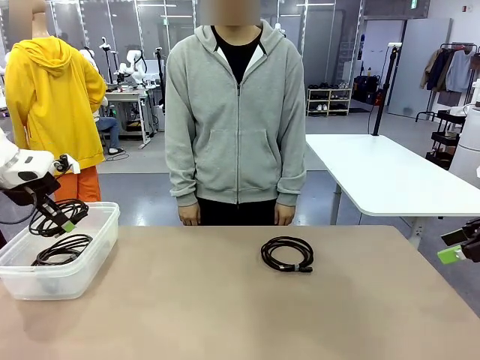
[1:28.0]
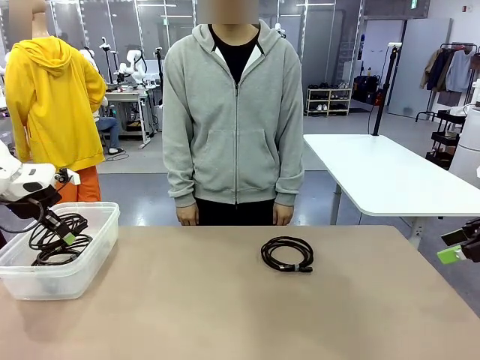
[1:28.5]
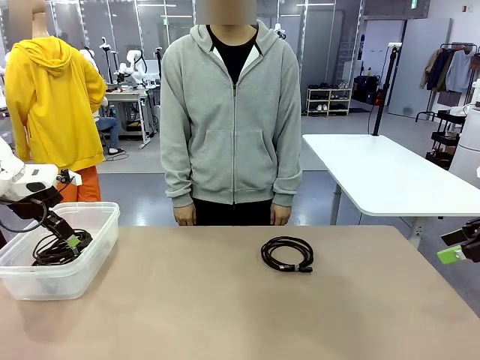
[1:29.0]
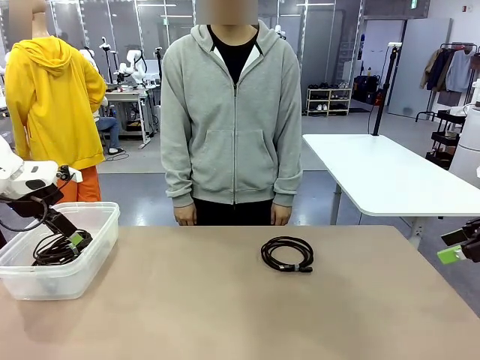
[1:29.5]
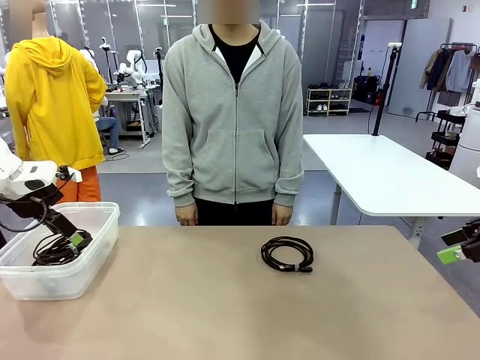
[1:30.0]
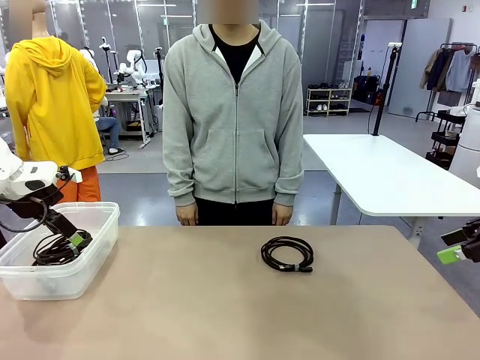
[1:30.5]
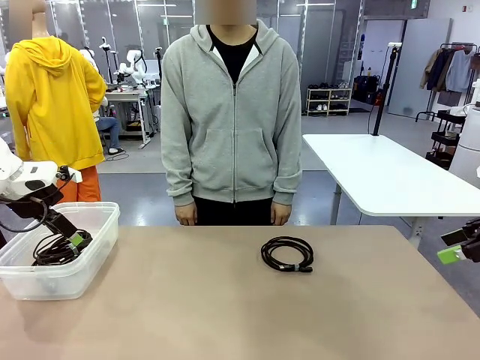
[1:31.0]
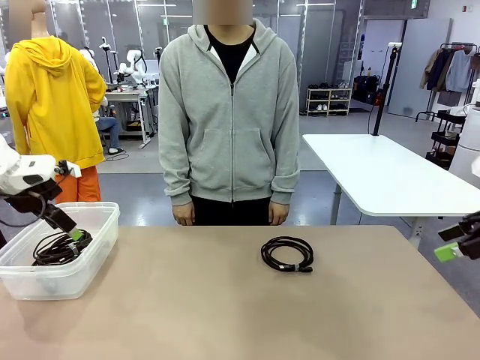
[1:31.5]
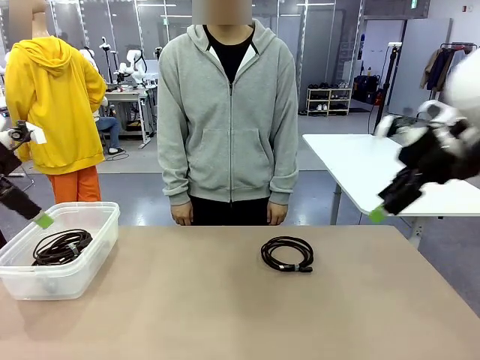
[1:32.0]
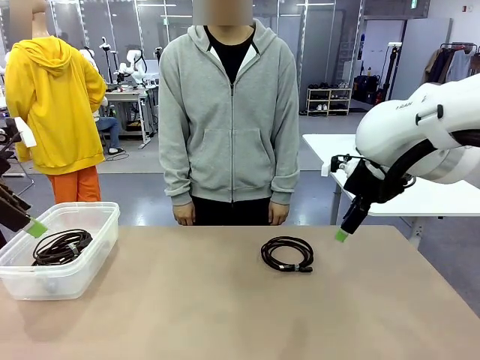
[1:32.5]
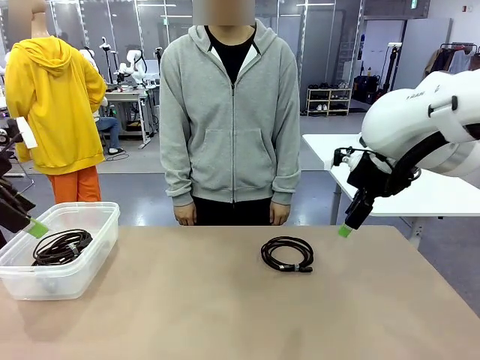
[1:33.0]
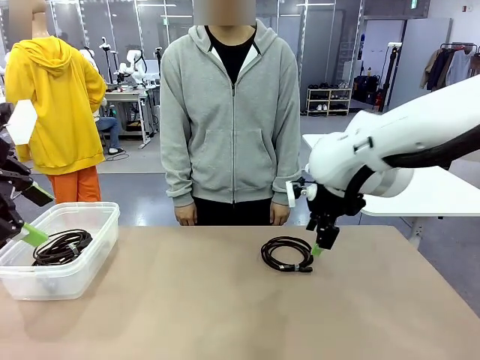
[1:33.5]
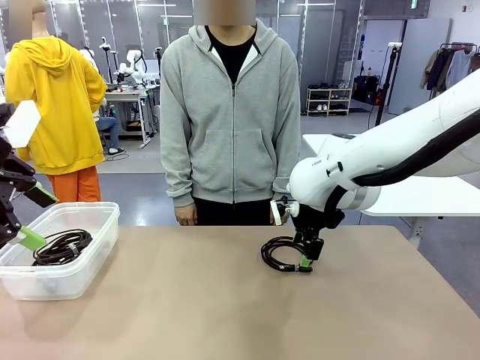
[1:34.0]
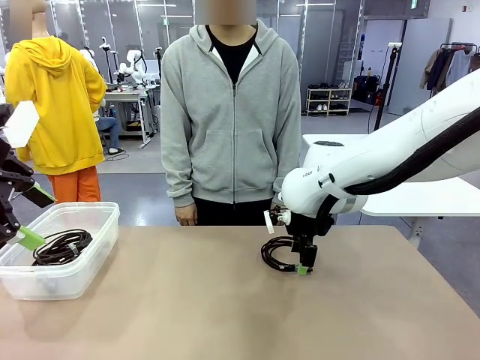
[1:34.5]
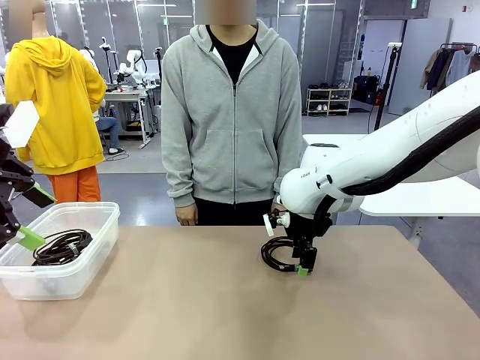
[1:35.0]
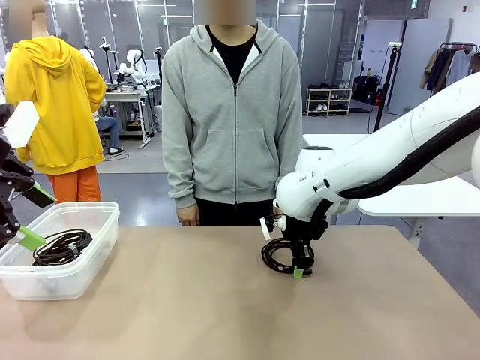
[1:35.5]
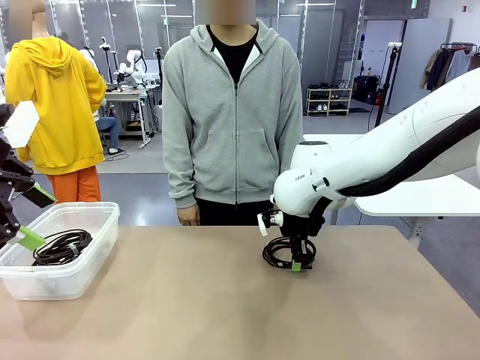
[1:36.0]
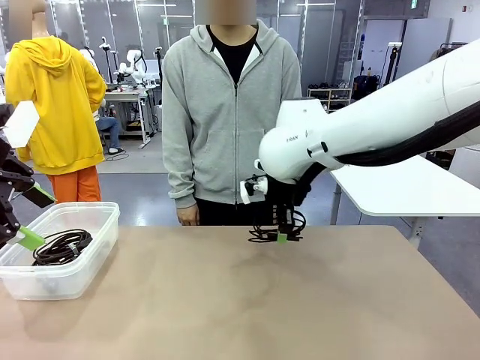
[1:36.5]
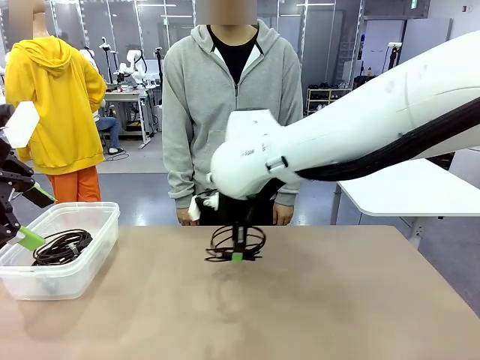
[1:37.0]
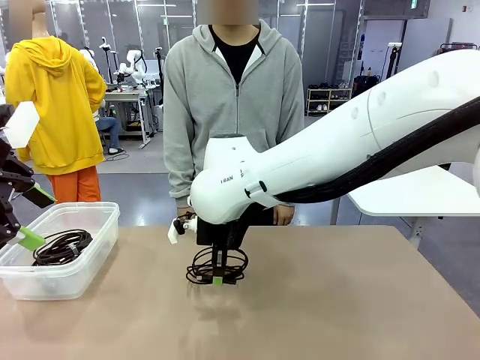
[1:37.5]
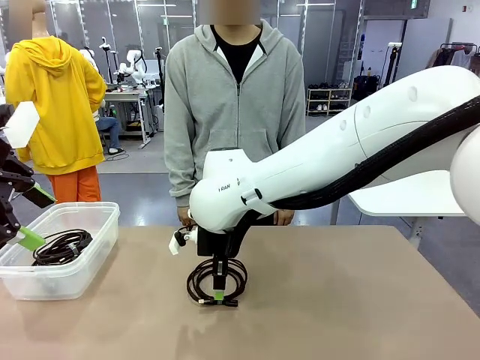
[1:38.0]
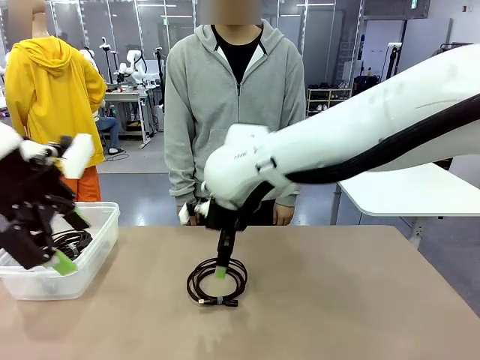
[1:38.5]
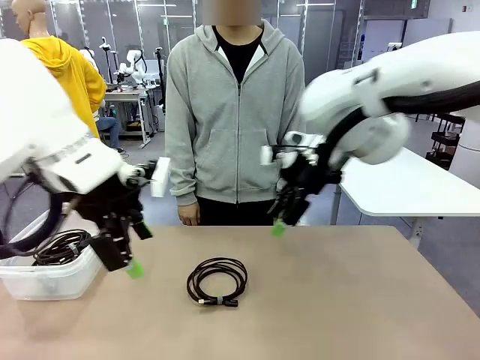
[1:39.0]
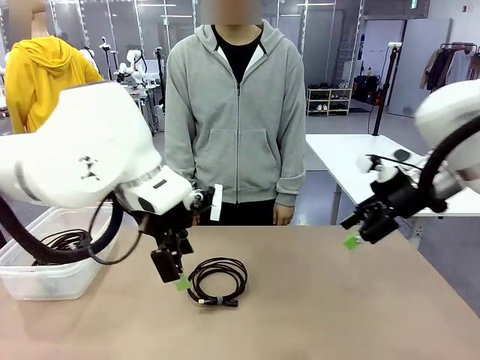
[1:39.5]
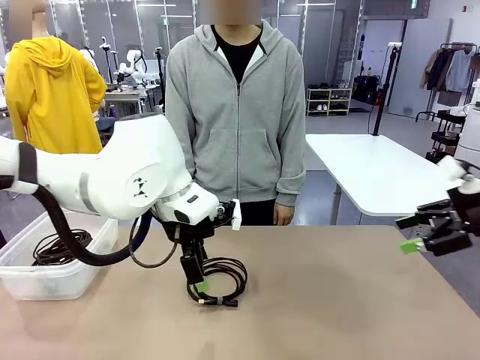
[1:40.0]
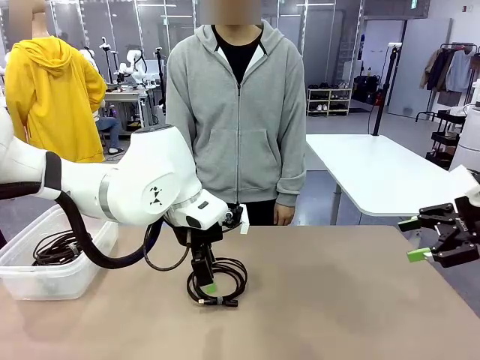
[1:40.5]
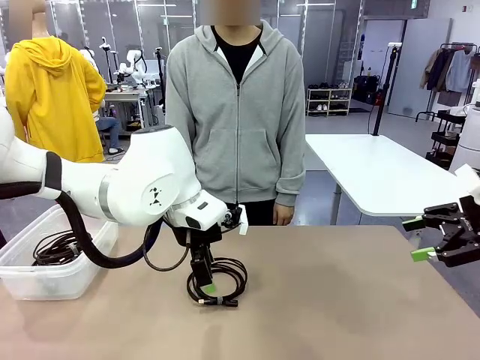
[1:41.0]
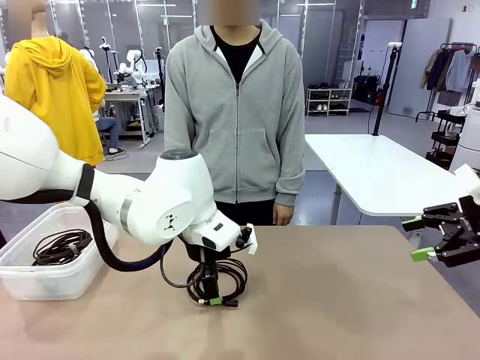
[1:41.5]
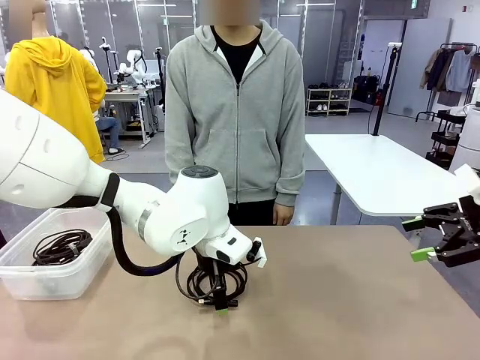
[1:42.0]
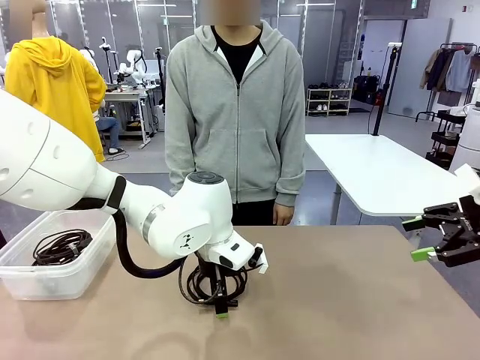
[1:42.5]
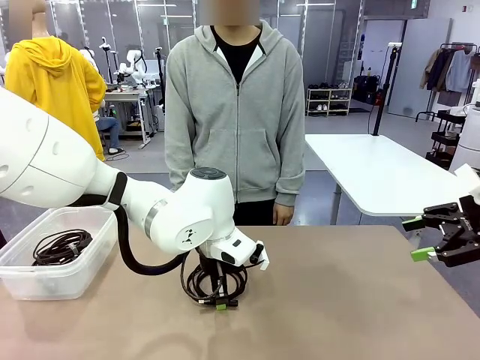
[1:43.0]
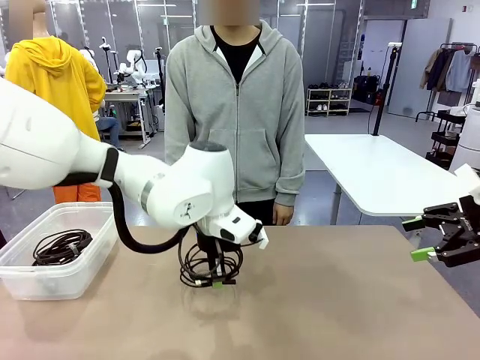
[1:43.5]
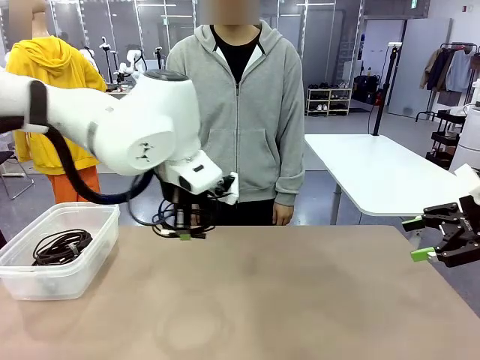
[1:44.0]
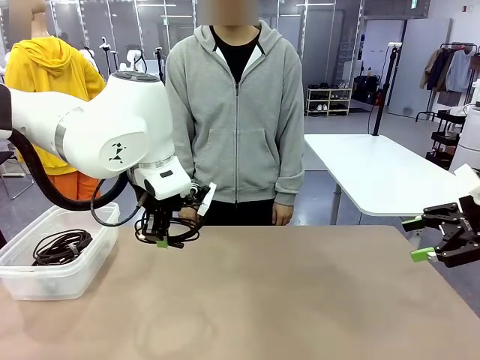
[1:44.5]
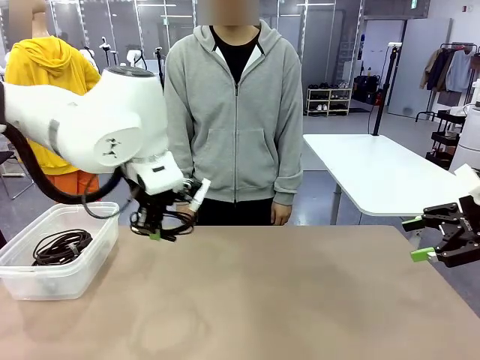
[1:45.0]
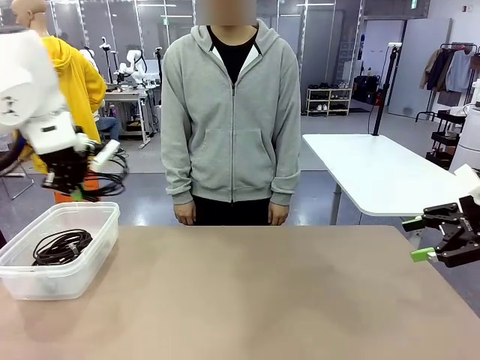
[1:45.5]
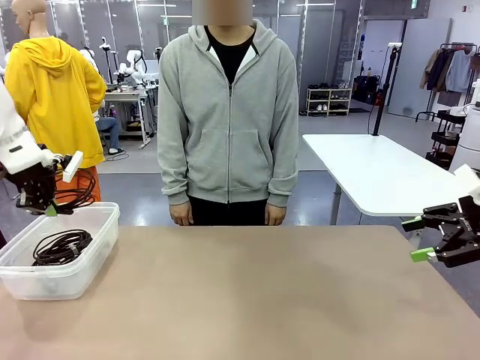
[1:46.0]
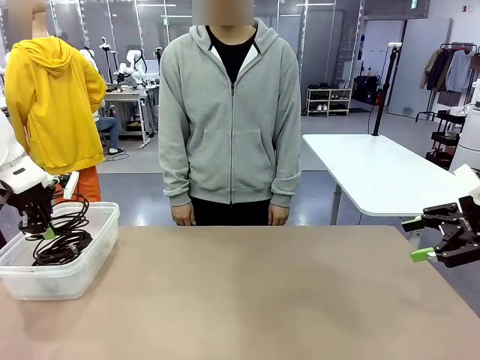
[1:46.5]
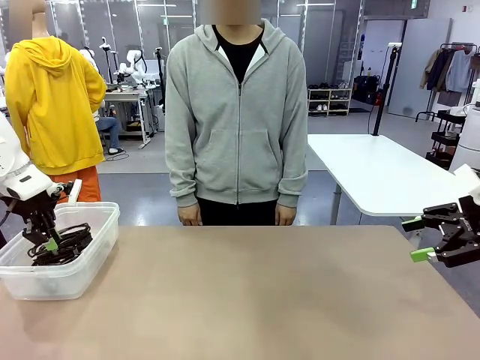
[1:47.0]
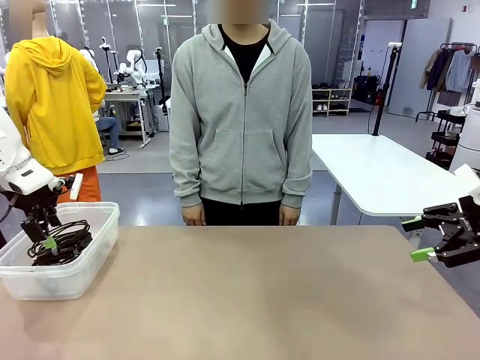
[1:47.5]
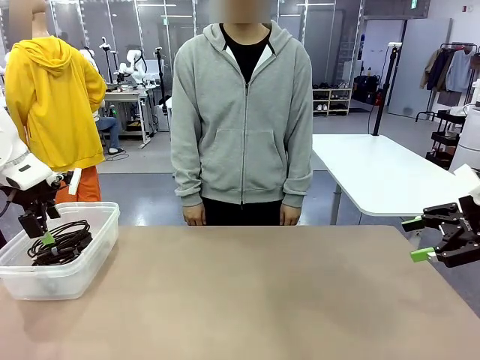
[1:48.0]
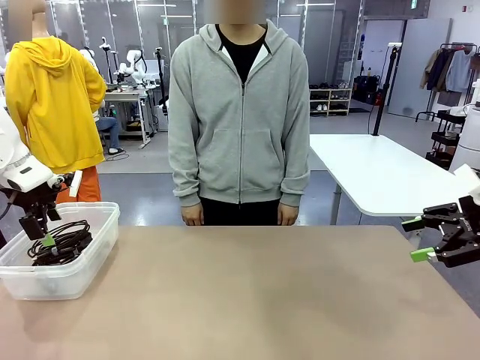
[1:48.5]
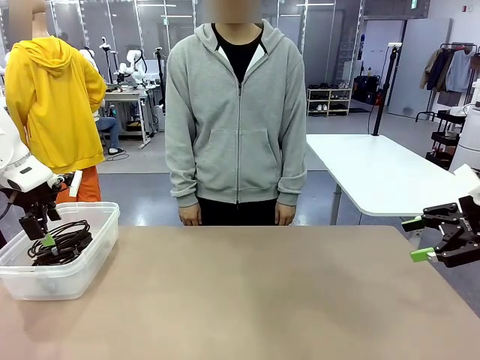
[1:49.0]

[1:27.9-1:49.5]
Task: Organize and store the cables.
Robot: Place the USB Extension Cable into the Organizing box.
